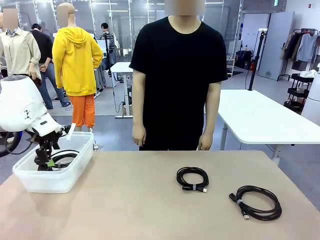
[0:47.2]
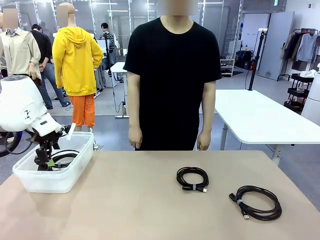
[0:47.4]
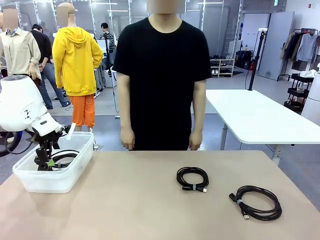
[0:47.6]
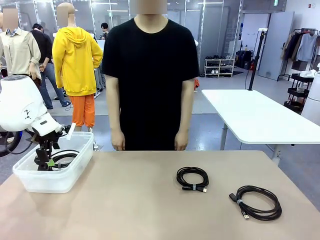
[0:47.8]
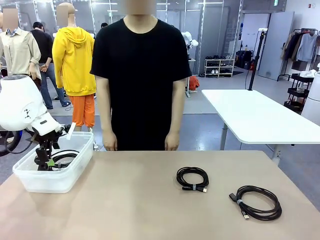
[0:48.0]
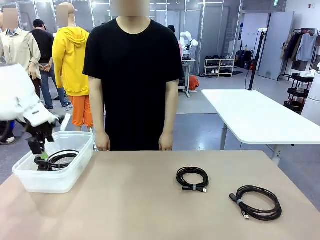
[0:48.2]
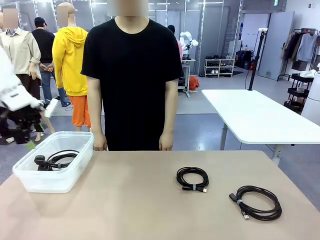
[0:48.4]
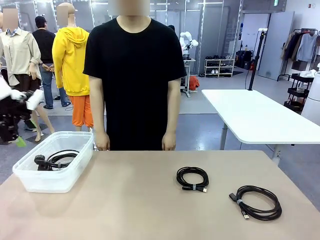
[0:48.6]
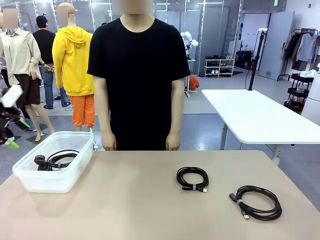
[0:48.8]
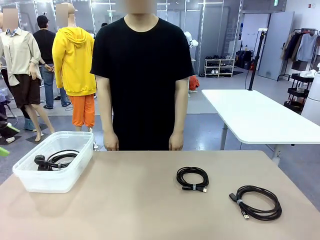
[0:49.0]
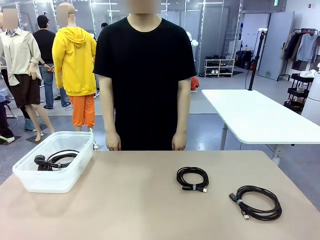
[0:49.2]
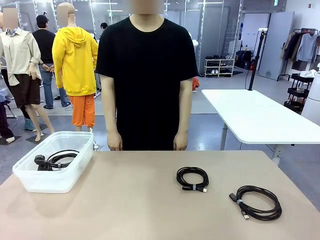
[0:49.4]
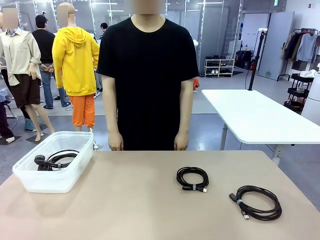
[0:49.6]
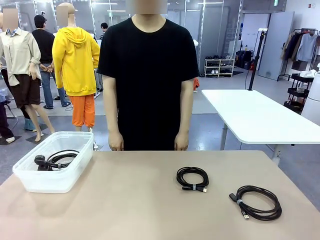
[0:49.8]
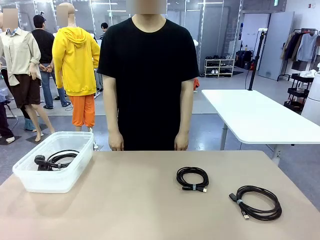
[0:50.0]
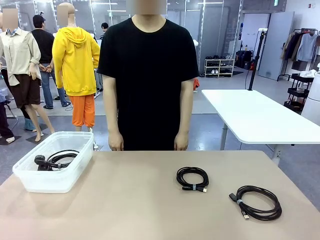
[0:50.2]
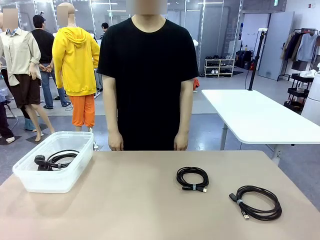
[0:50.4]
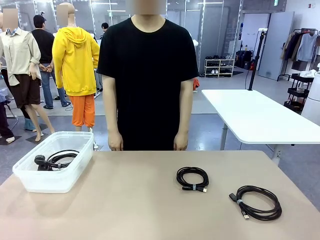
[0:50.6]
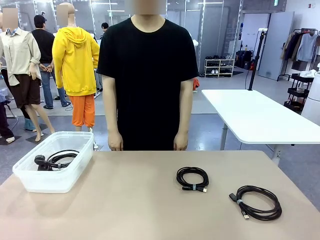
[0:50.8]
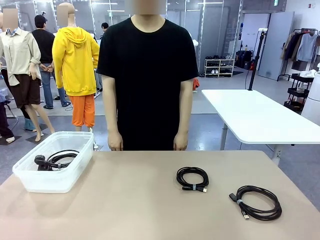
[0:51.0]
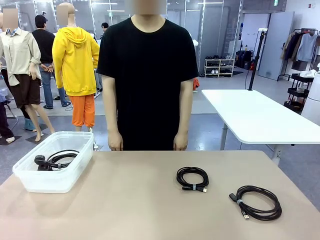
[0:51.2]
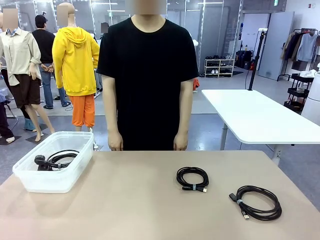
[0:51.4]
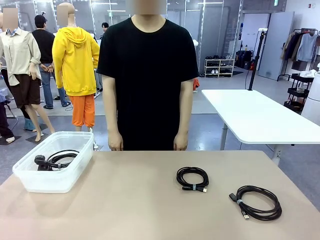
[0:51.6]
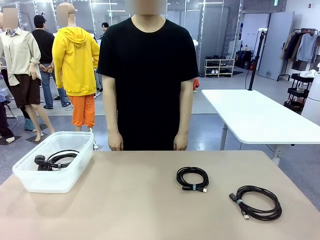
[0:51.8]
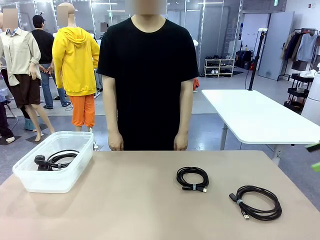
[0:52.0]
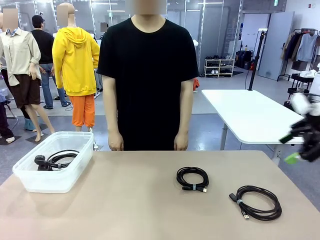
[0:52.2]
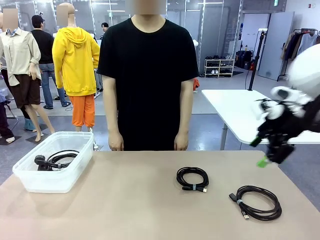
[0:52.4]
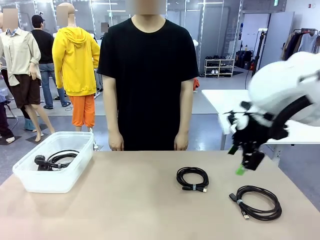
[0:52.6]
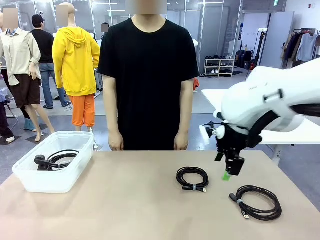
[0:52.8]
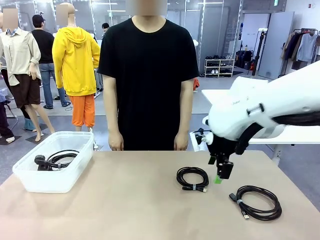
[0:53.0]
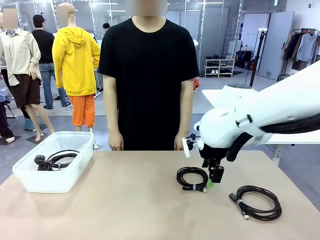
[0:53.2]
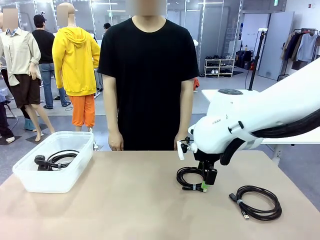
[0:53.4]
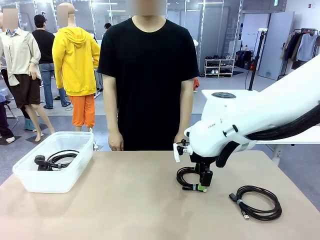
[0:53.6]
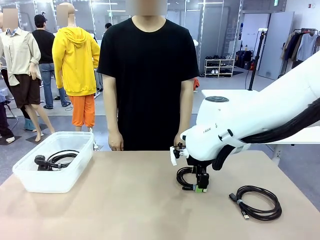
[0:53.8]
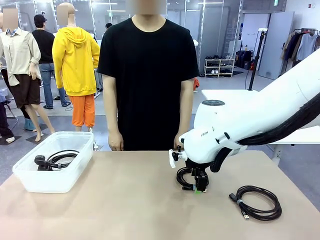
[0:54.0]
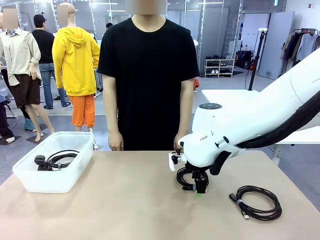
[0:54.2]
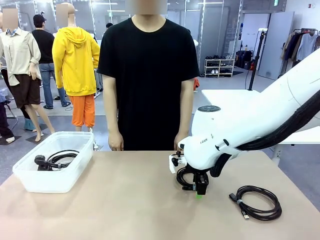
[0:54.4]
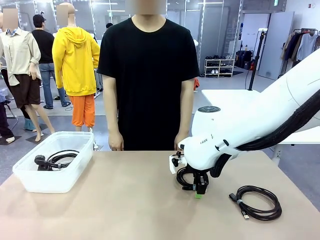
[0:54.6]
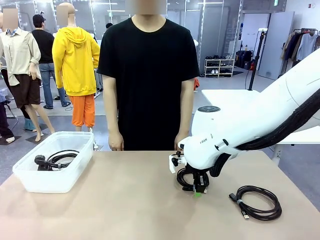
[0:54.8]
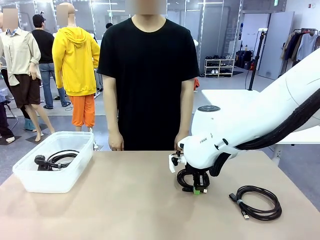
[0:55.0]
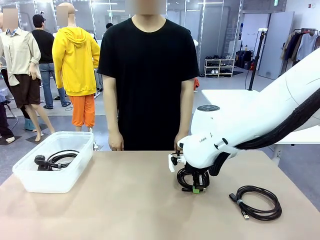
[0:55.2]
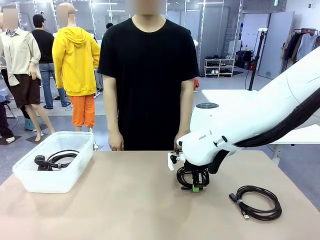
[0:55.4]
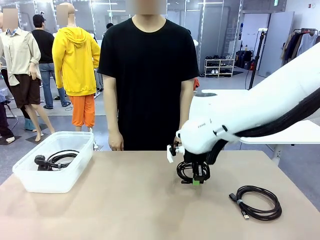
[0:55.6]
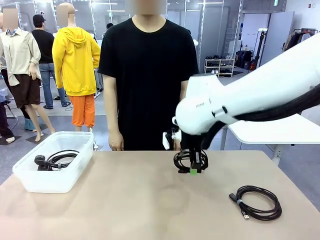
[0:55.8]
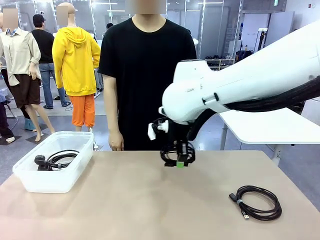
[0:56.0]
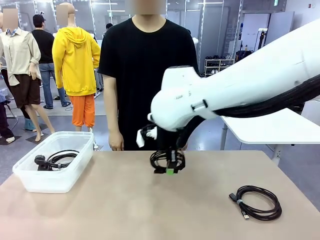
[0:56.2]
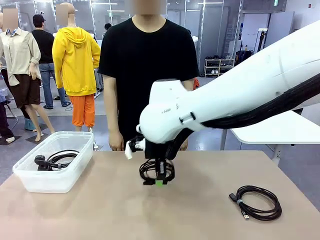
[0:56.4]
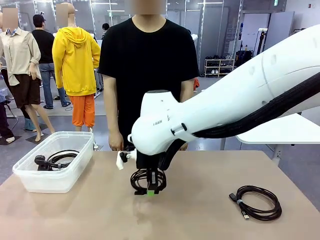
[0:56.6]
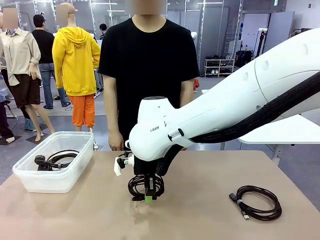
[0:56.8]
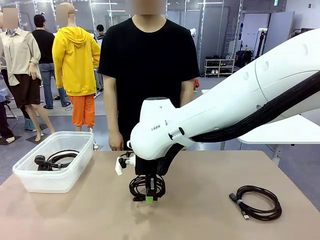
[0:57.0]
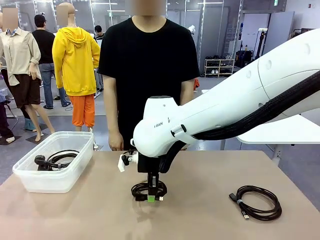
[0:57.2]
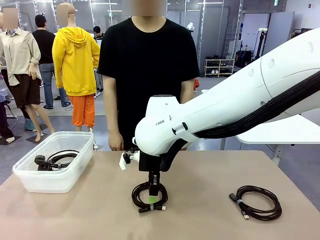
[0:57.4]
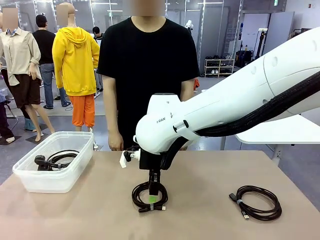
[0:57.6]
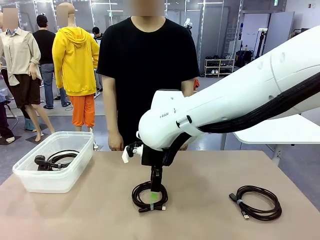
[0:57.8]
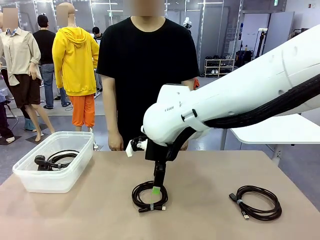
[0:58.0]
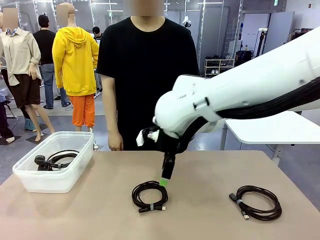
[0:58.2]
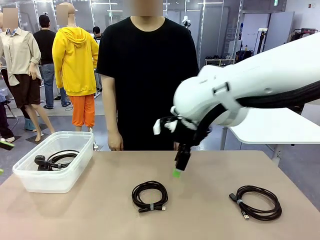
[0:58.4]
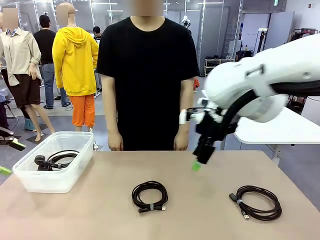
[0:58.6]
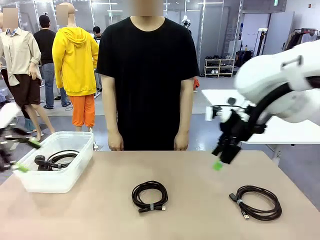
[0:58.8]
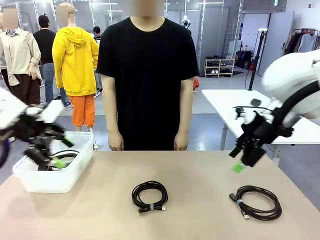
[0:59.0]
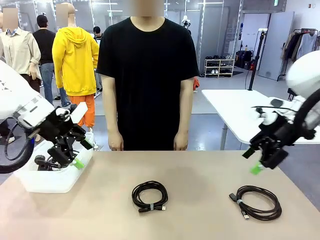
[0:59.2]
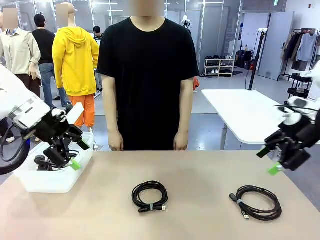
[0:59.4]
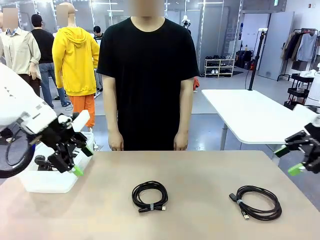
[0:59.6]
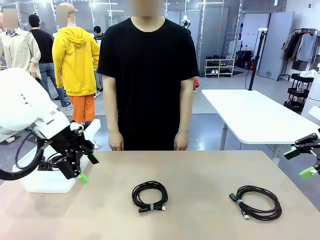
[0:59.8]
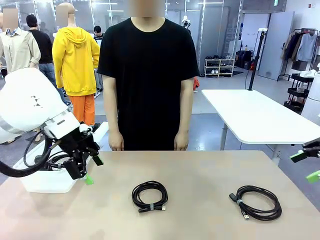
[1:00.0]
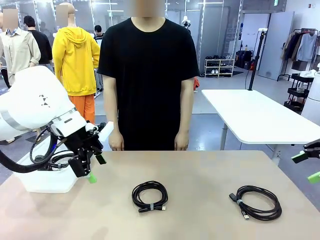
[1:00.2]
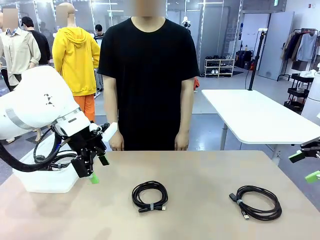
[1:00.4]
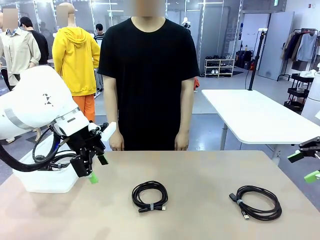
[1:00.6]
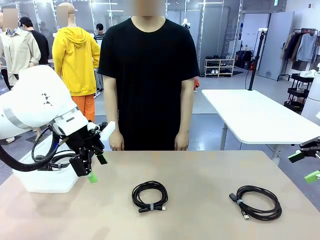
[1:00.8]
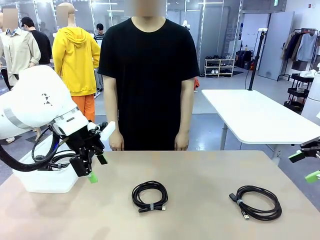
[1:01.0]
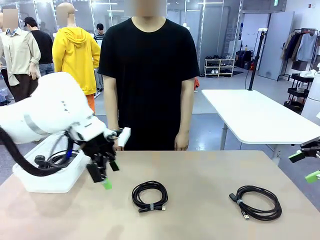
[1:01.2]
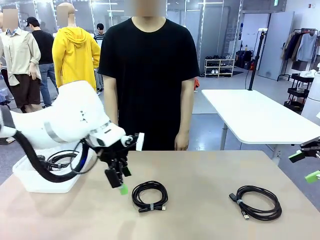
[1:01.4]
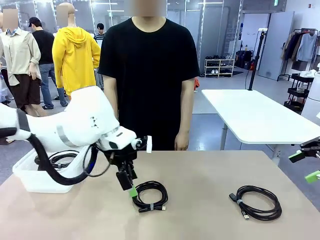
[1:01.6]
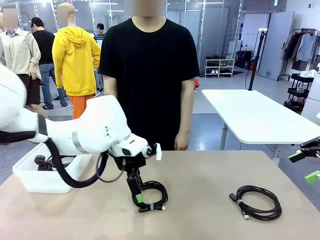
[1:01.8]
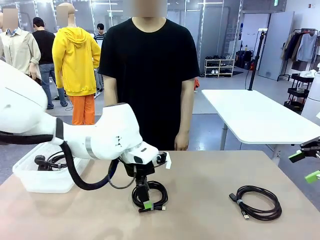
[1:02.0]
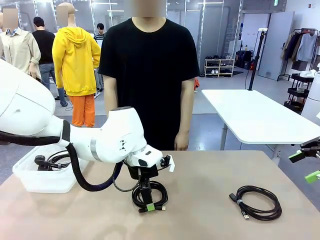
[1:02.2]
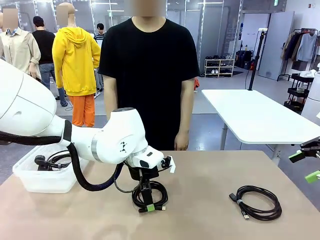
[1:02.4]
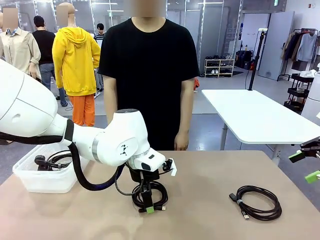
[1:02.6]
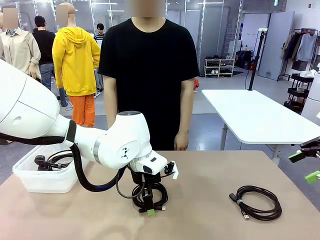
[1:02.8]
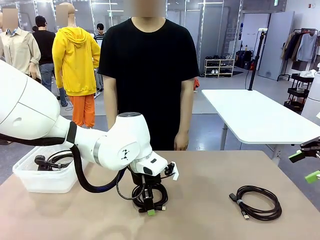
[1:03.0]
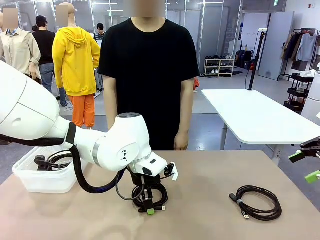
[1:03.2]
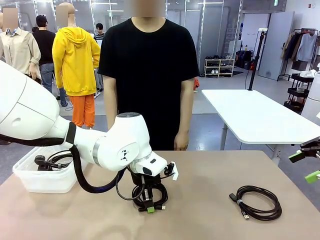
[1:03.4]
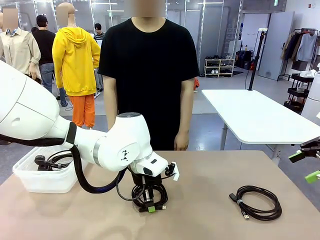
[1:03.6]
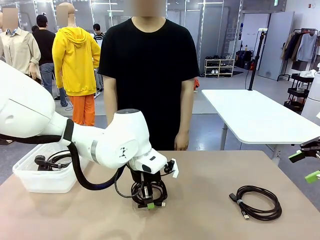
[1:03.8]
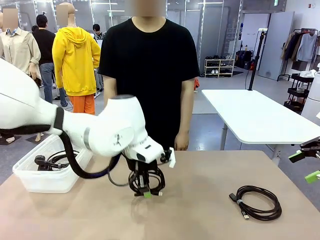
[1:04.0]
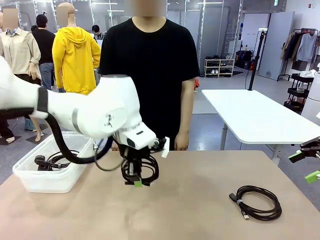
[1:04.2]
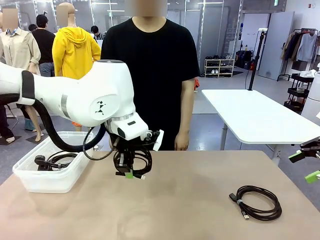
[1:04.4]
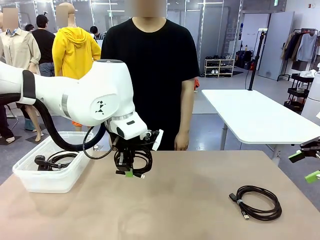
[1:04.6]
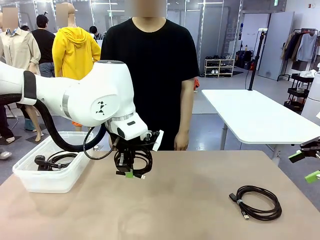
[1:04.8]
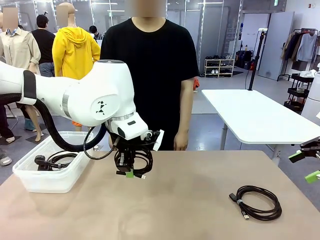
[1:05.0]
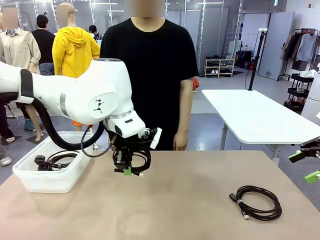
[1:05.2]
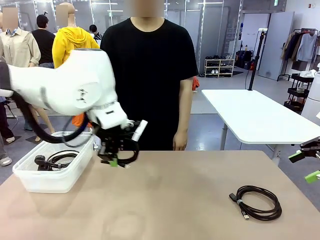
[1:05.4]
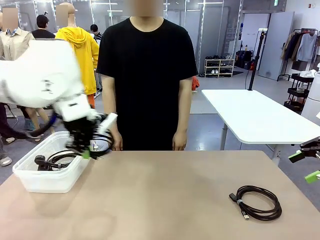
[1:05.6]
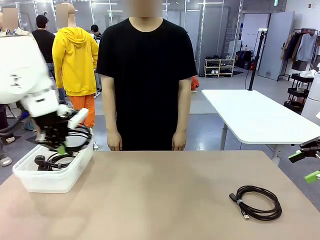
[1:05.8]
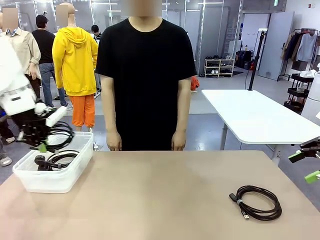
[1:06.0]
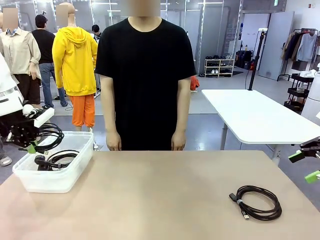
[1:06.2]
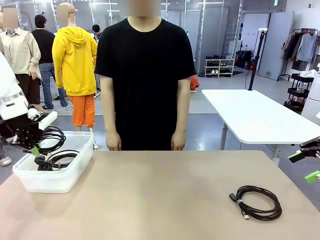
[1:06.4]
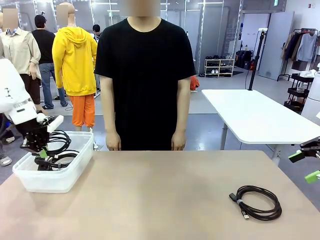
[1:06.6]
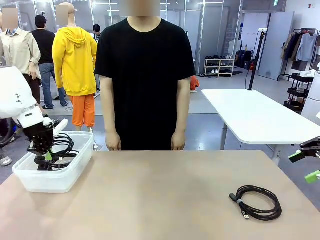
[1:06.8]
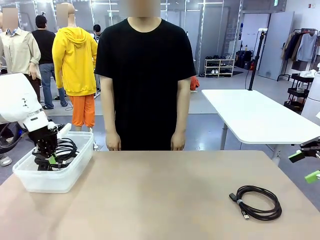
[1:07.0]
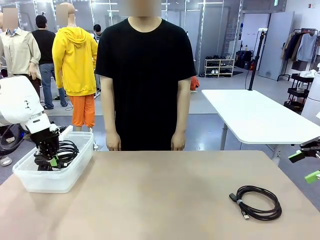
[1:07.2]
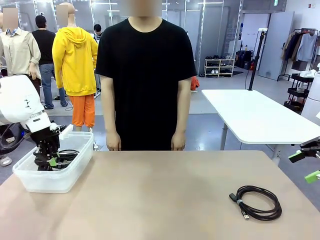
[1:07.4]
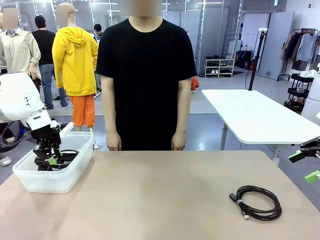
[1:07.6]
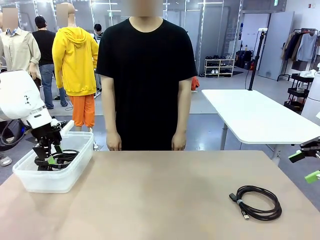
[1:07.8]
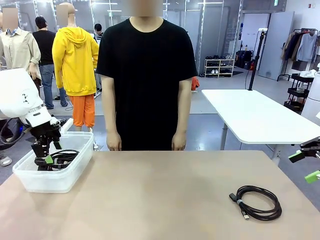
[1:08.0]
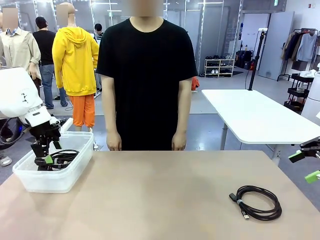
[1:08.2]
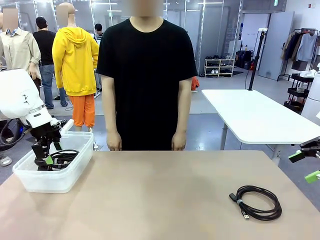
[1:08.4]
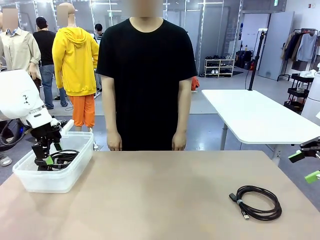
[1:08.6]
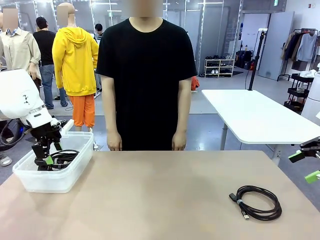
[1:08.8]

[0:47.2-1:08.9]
Task: Organize and store the cables.
Robot: Place the USB Extension Cable into the Organizing box.
